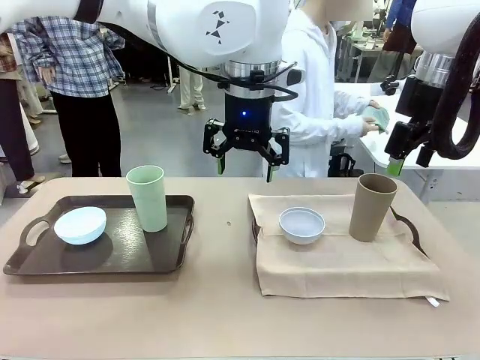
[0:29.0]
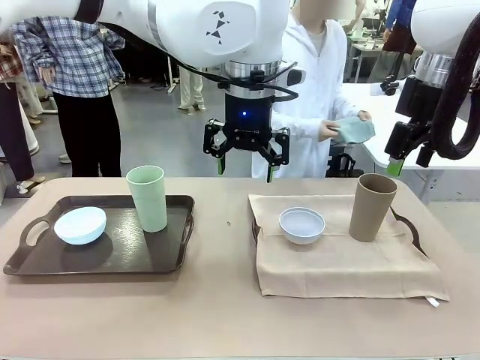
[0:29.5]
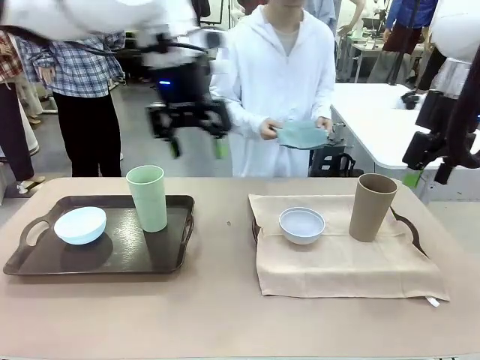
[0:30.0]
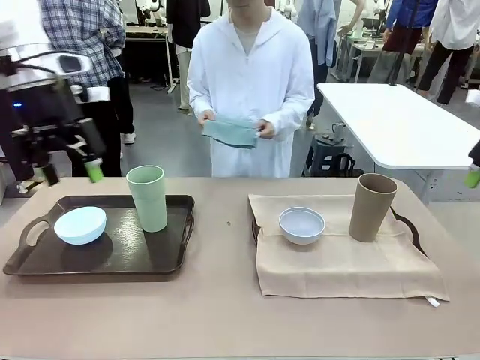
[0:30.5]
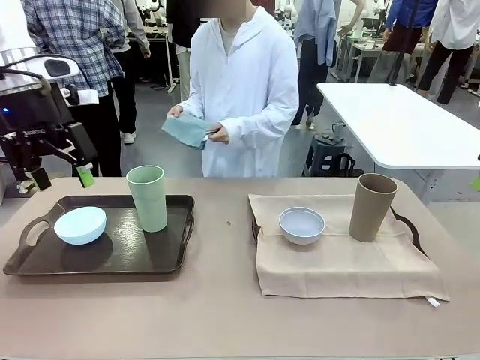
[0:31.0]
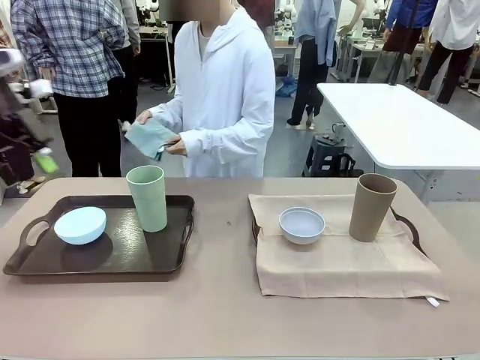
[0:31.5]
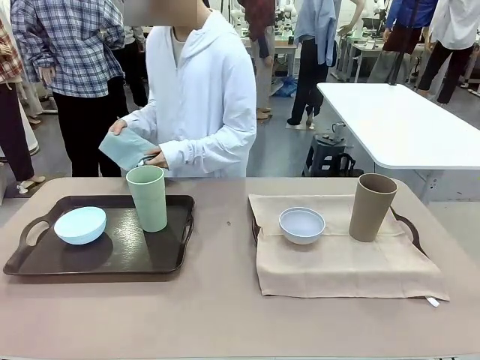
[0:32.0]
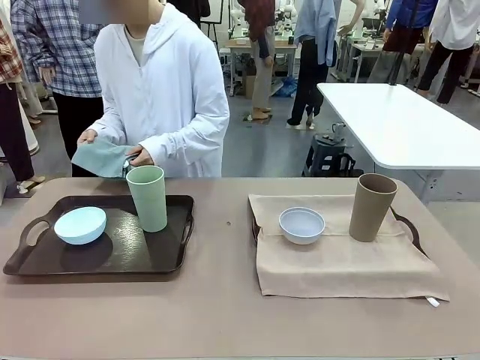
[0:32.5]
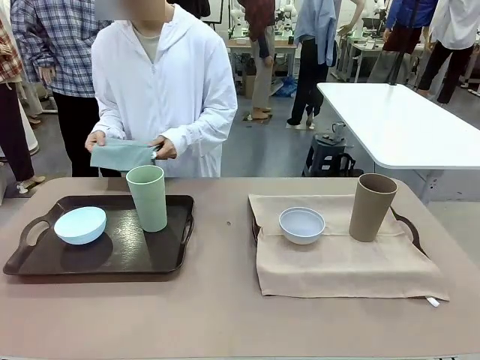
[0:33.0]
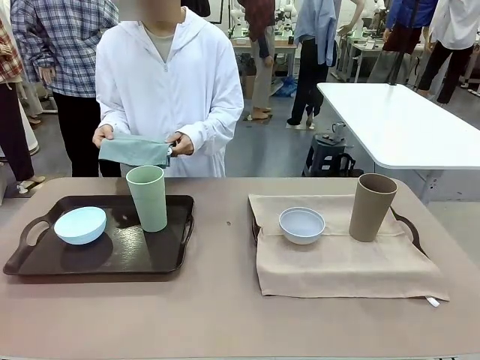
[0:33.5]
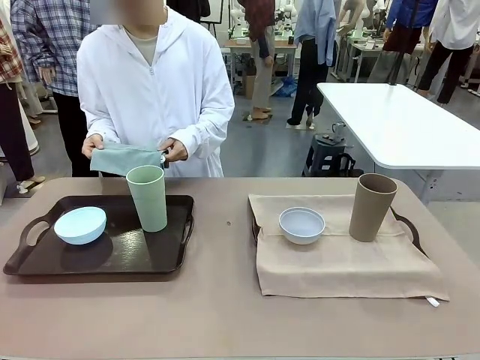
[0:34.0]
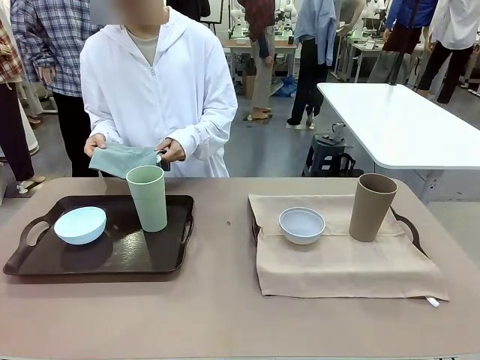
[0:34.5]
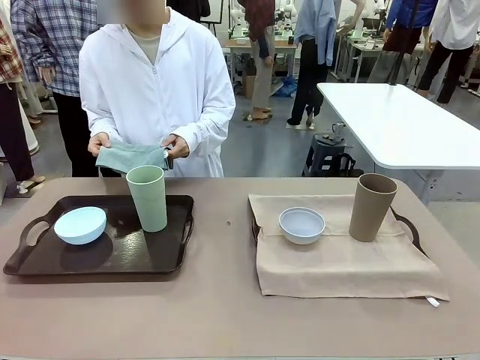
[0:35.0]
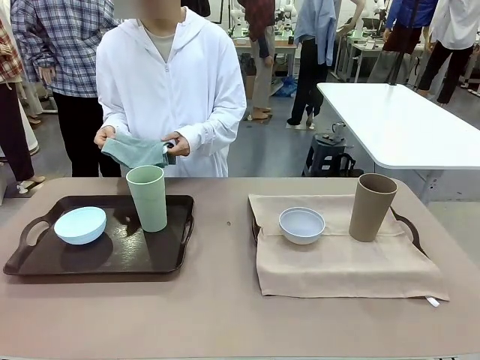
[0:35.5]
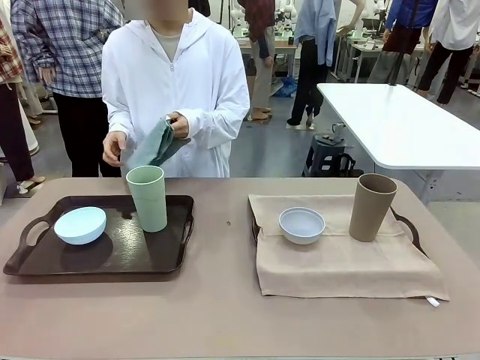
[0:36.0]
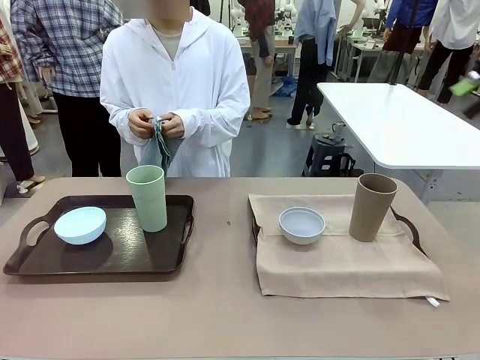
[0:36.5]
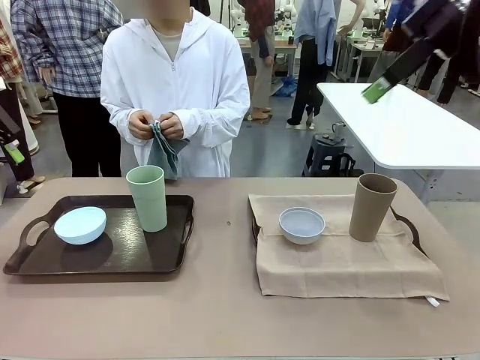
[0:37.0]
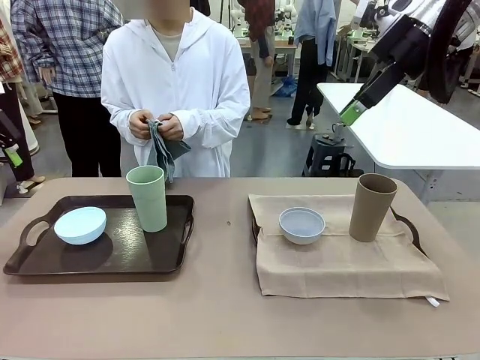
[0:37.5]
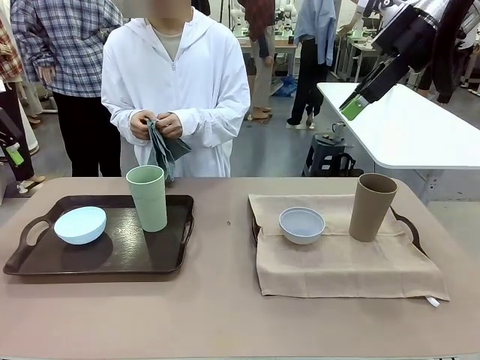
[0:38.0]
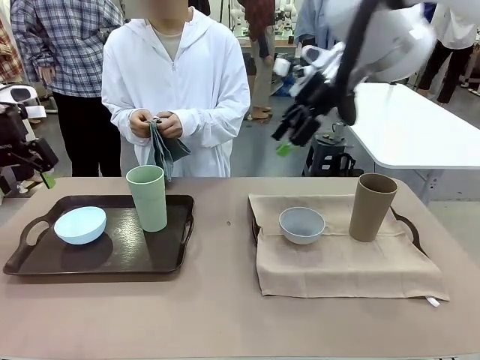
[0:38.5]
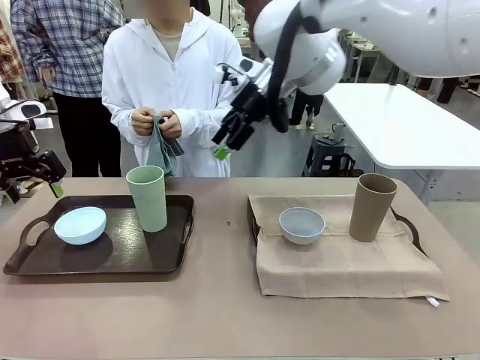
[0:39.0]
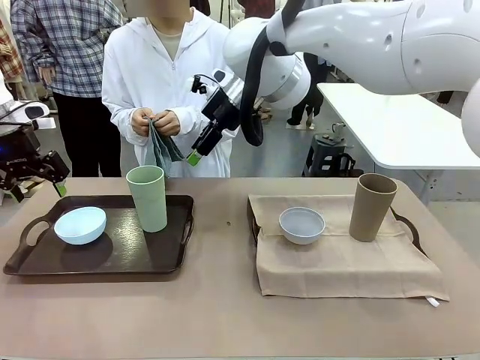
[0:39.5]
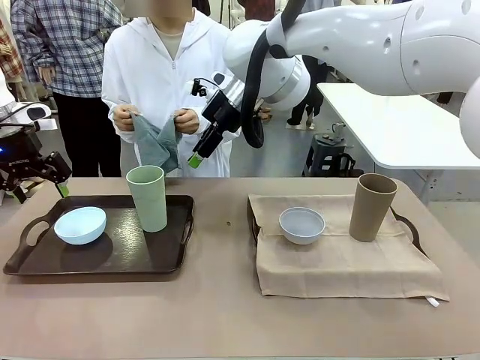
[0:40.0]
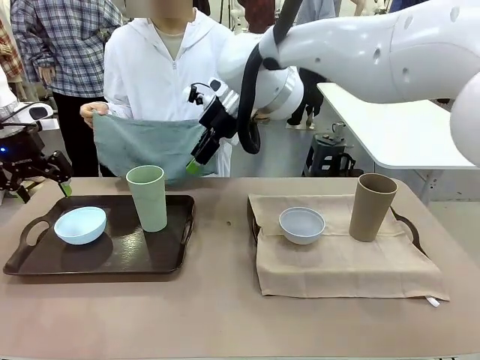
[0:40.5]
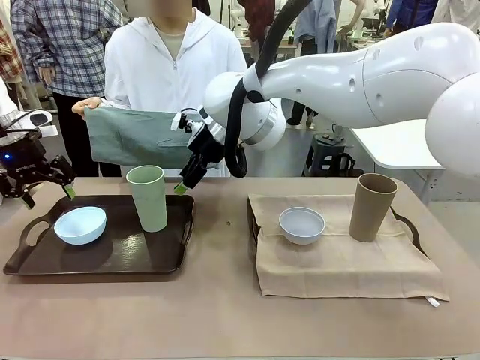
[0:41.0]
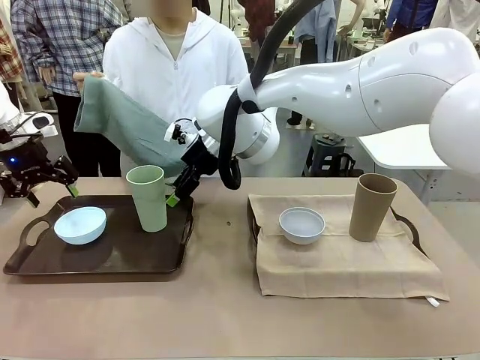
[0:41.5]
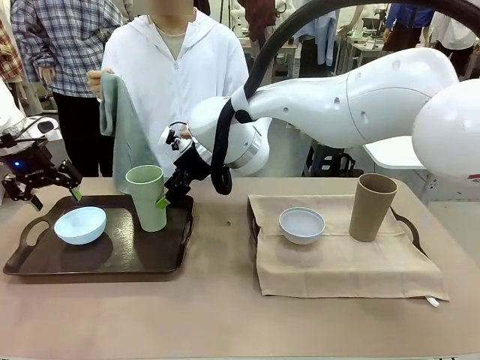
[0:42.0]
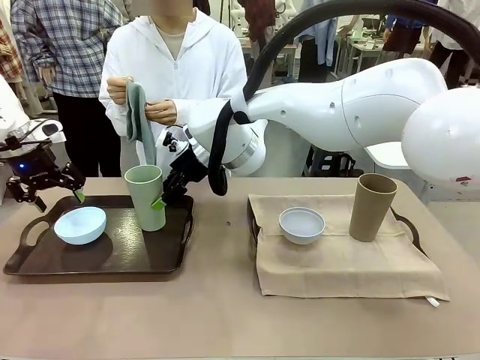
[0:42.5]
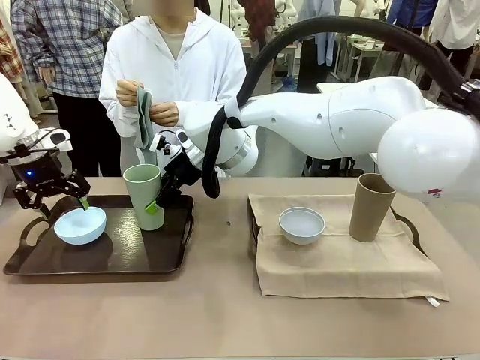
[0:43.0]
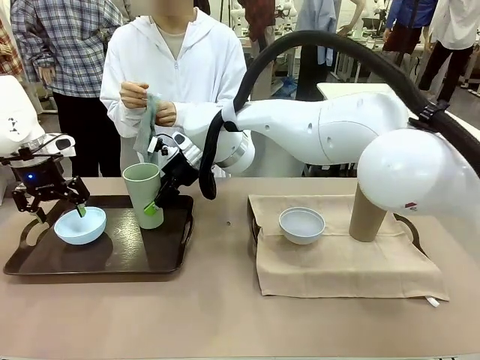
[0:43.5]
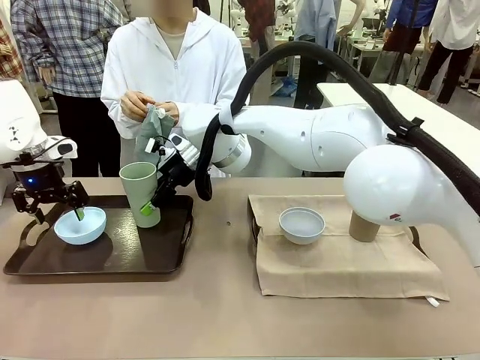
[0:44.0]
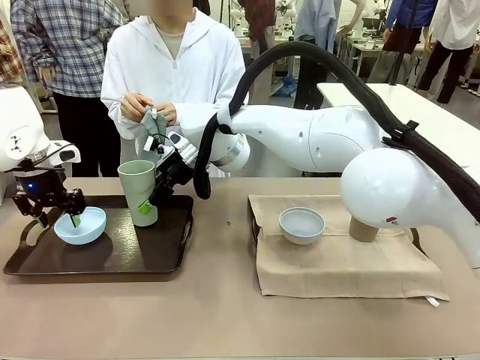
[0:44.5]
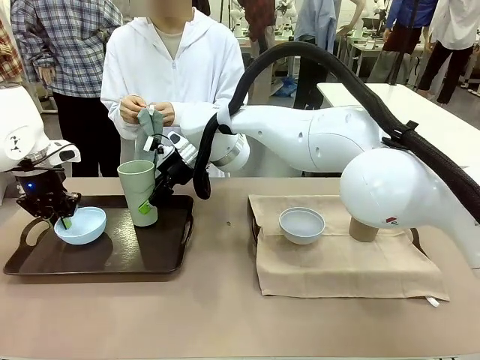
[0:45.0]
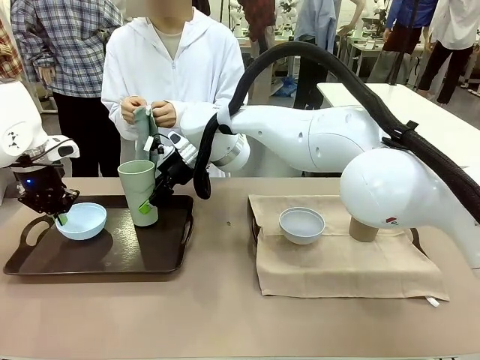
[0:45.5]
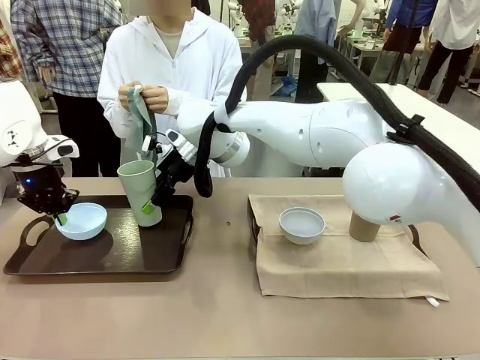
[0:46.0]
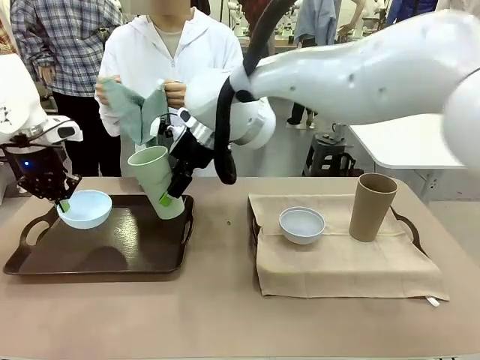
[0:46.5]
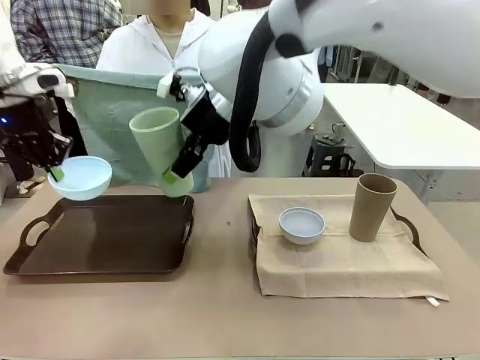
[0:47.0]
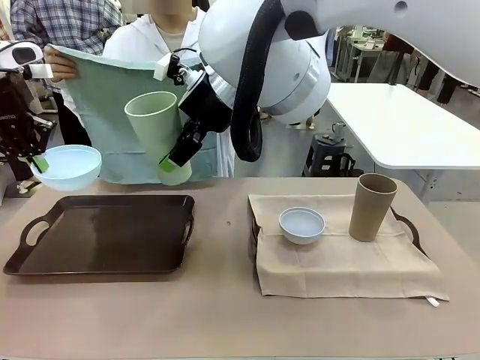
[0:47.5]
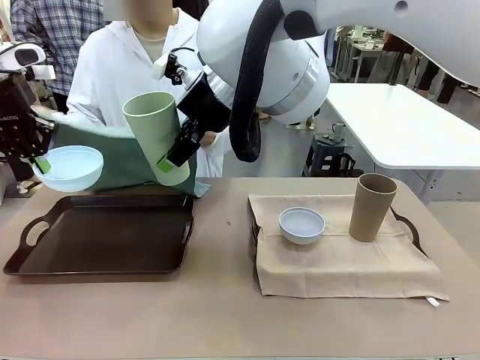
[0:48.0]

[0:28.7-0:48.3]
Robot: Pick up the Picnic Bowl and Reusable plastic cup from the Handle tray in front of the human's position and hold them in the air.
Person: The human returns to the human table to pick up another napkin and walks to the robot table to stand in front of the tray without a napkin. When the robot lifts the bowl and the cup, the human unfolds the napkin and lays the napkin flat on the tray.

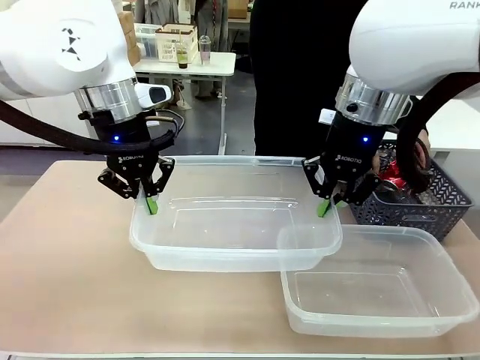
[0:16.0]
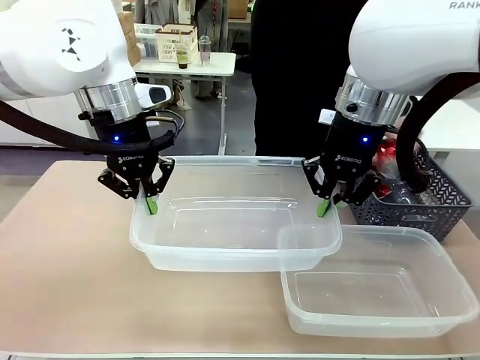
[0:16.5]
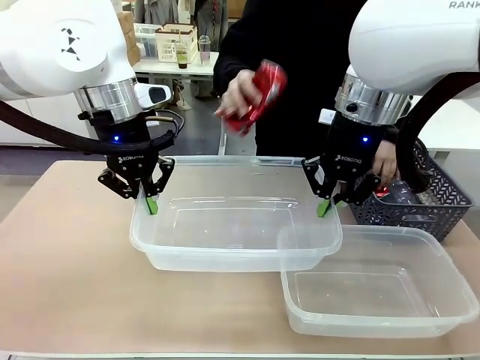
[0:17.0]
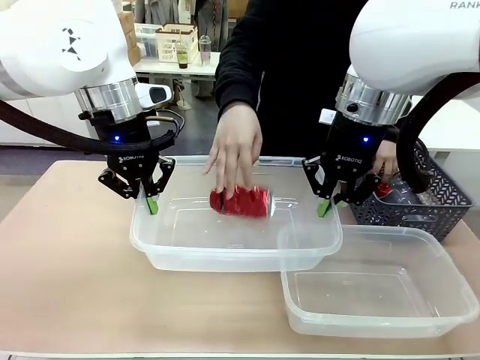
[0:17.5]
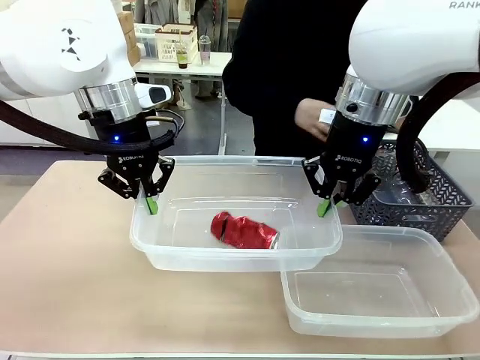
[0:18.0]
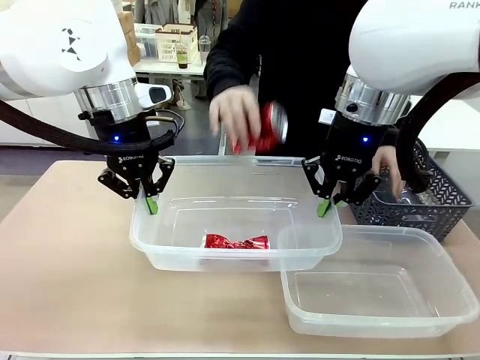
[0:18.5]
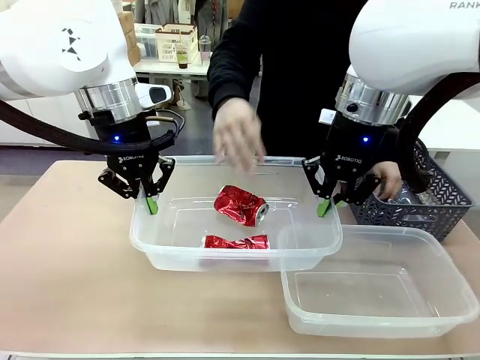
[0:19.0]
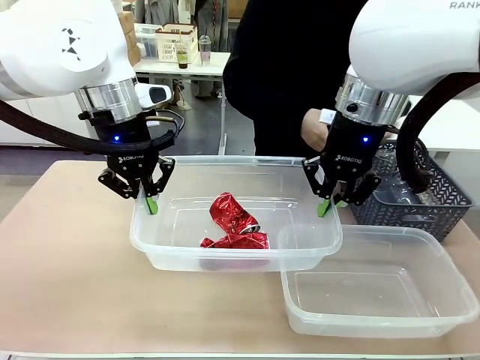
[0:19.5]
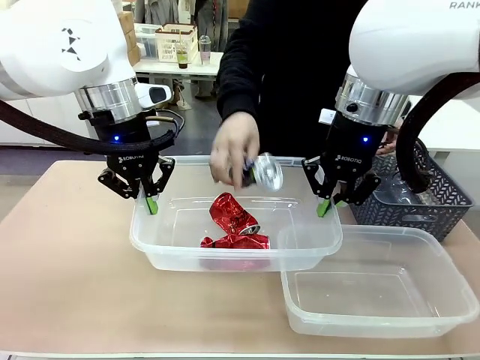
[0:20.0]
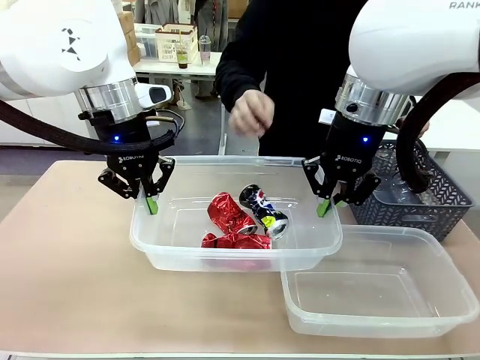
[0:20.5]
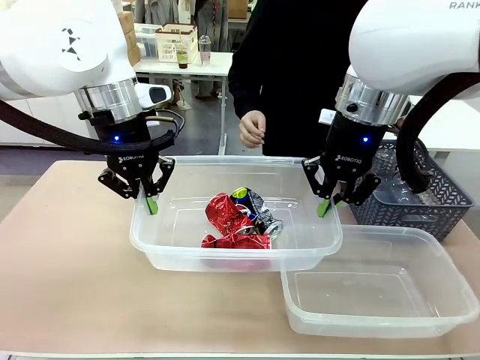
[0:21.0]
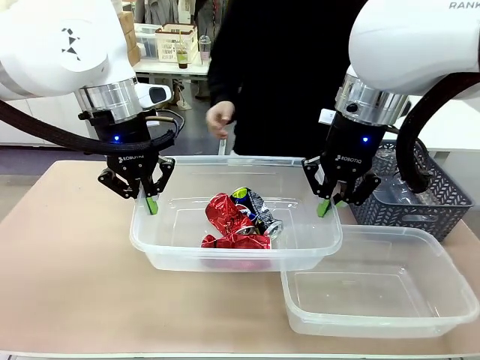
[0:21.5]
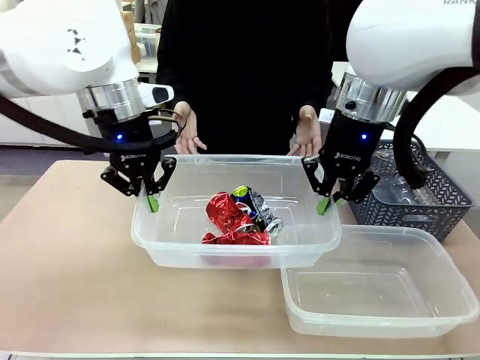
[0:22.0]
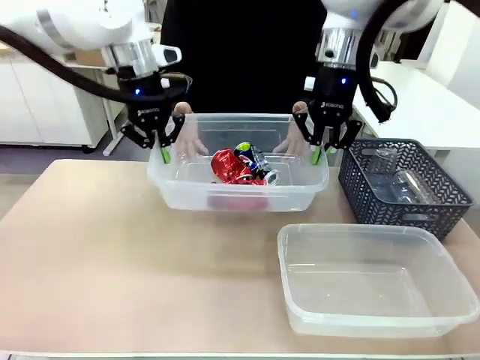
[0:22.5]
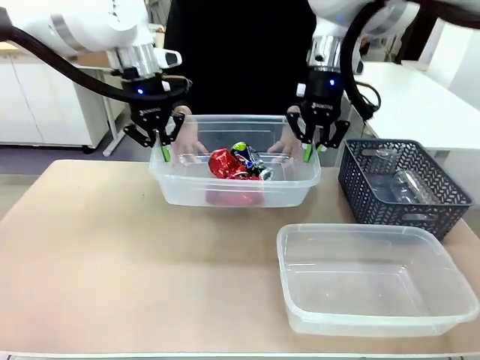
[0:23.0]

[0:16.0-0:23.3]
Robot: Offer the picked Organizing box to the human.

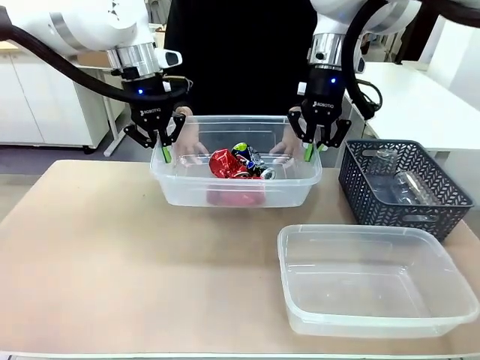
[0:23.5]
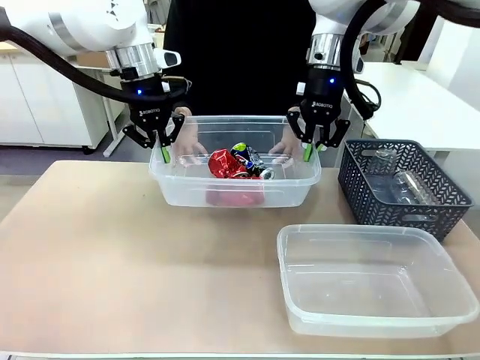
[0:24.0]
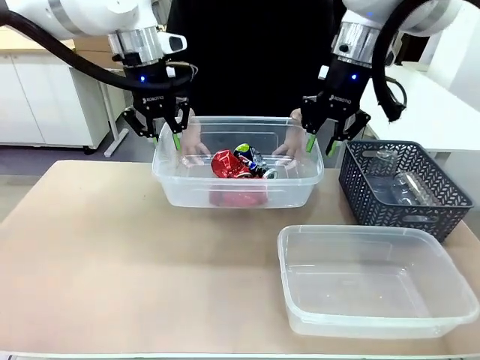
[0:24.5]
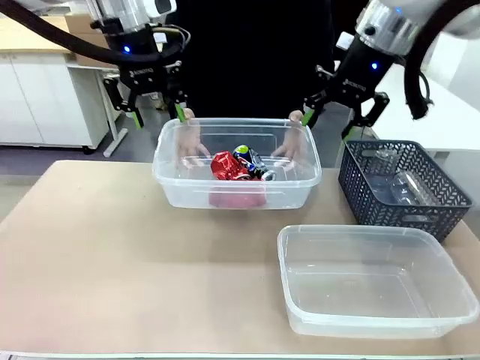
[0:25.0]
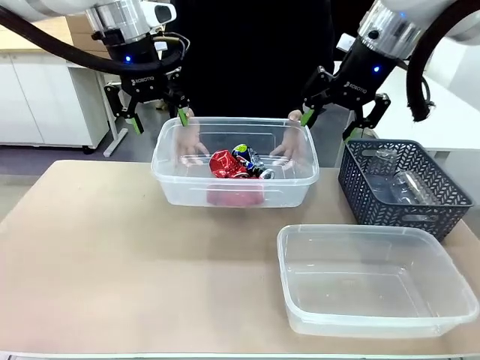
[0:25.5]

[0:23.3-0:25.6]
Robot: Release the Organizing box you were holding.
